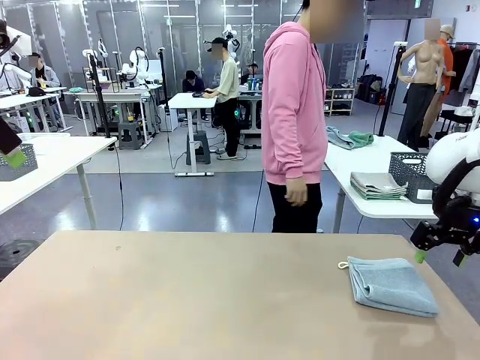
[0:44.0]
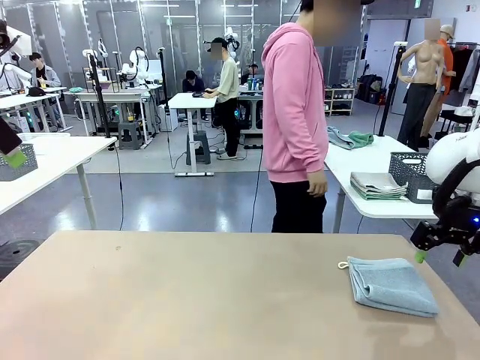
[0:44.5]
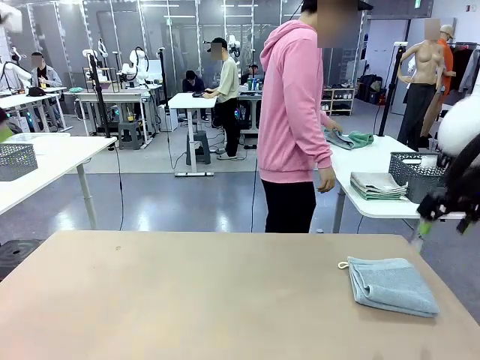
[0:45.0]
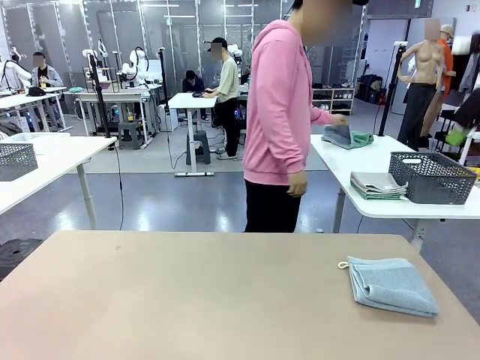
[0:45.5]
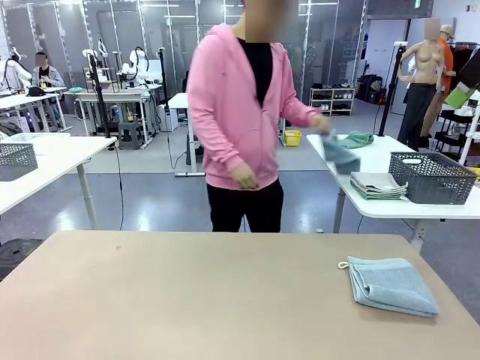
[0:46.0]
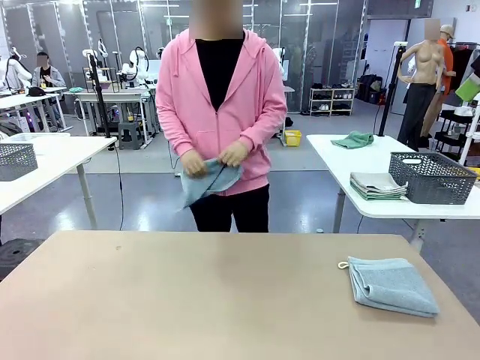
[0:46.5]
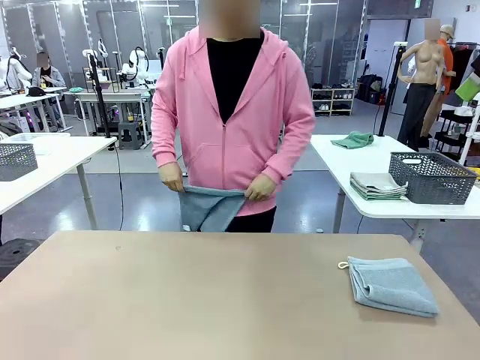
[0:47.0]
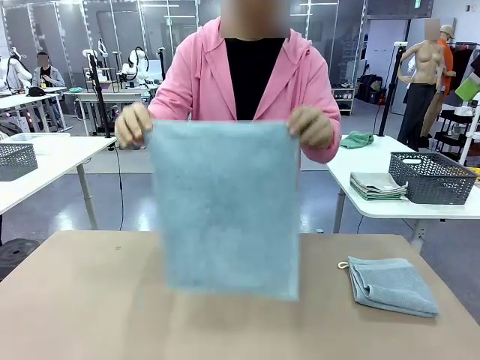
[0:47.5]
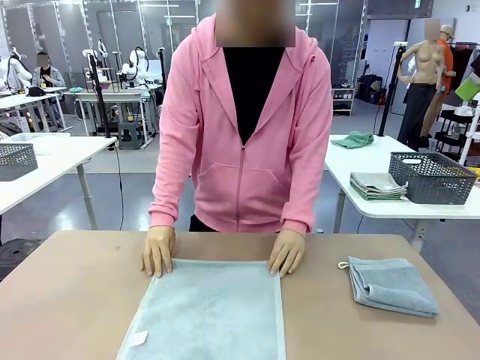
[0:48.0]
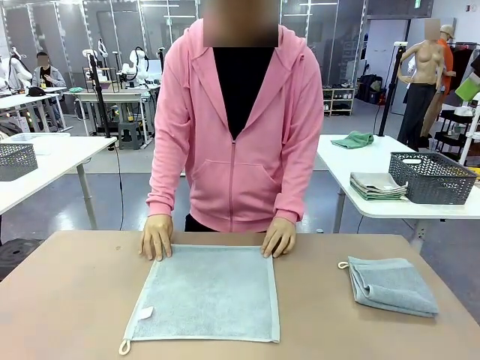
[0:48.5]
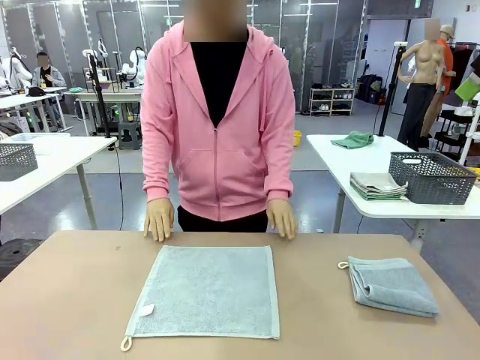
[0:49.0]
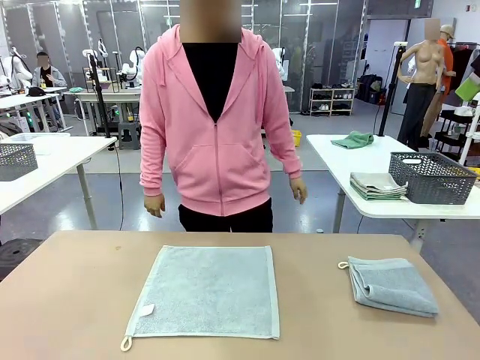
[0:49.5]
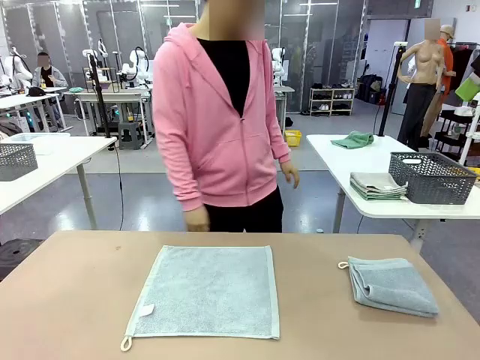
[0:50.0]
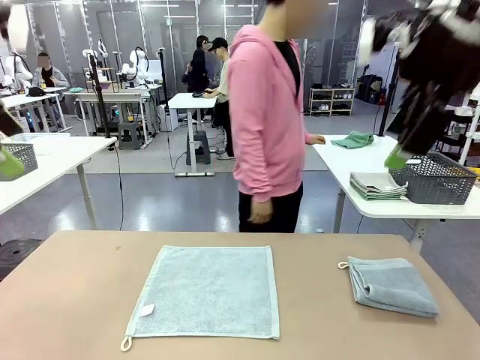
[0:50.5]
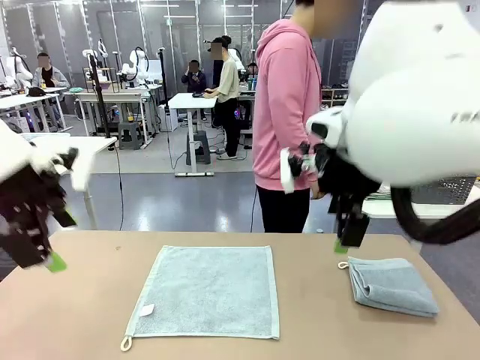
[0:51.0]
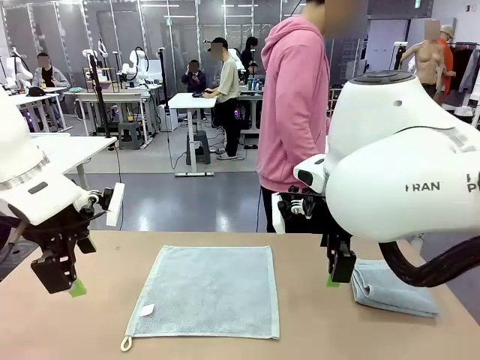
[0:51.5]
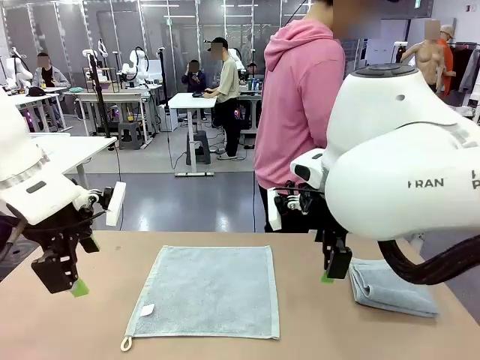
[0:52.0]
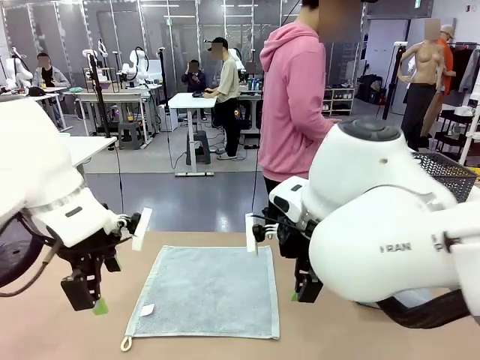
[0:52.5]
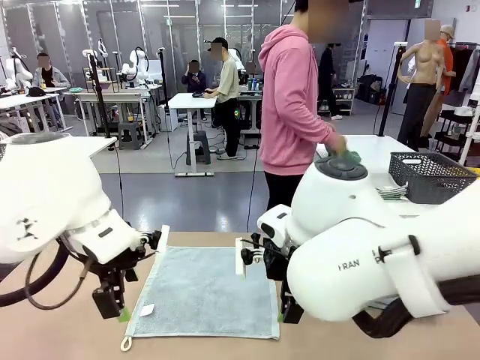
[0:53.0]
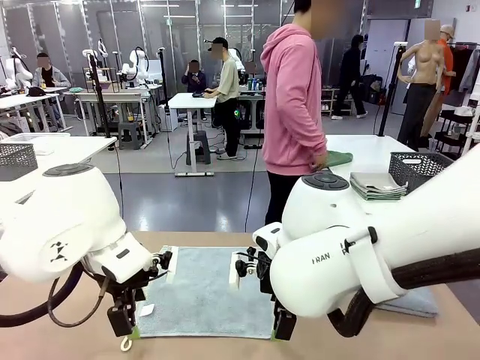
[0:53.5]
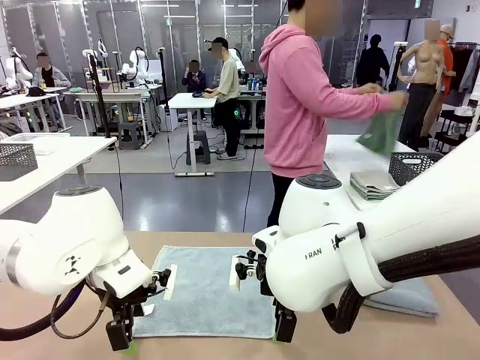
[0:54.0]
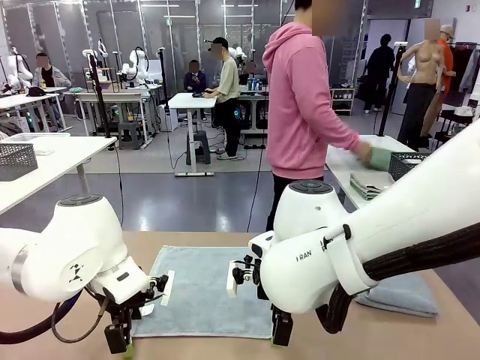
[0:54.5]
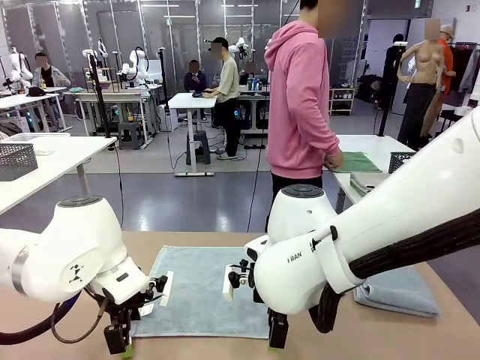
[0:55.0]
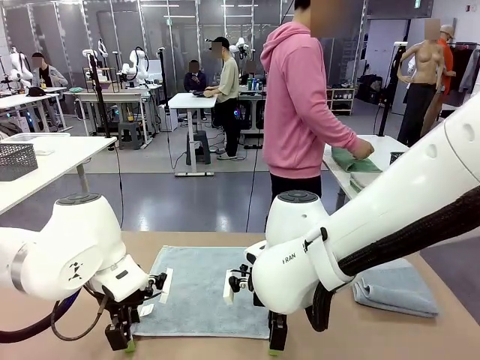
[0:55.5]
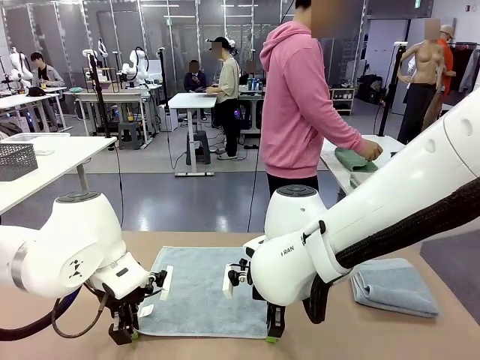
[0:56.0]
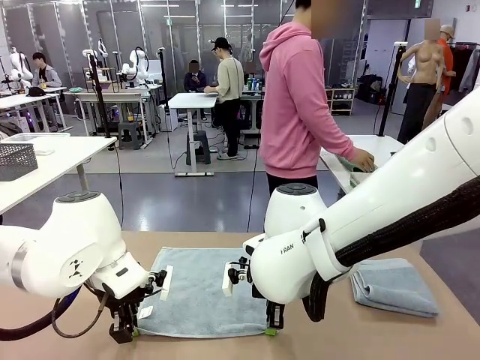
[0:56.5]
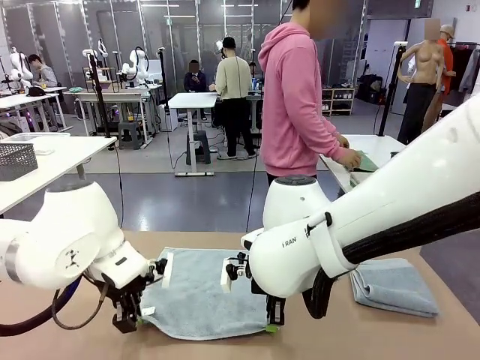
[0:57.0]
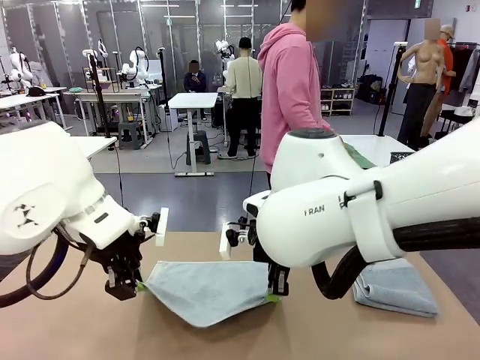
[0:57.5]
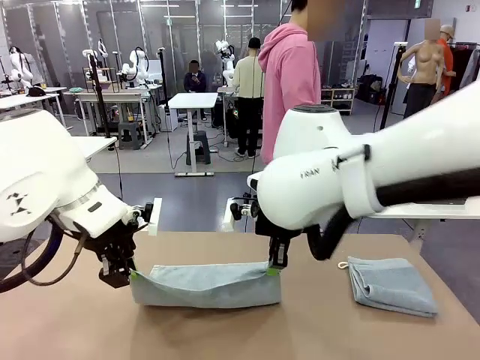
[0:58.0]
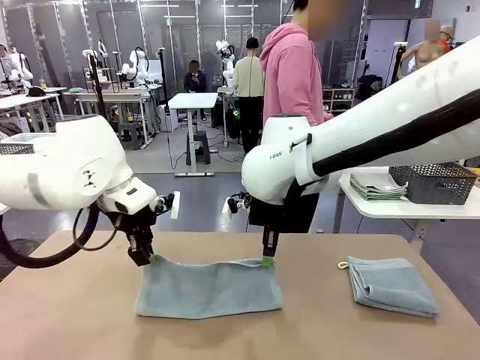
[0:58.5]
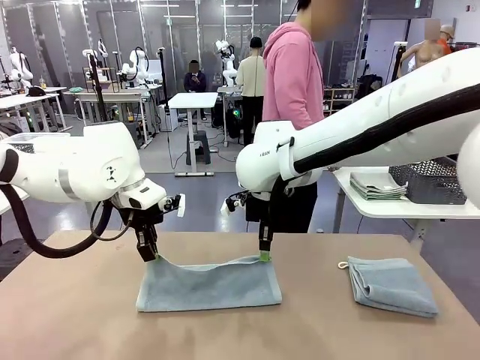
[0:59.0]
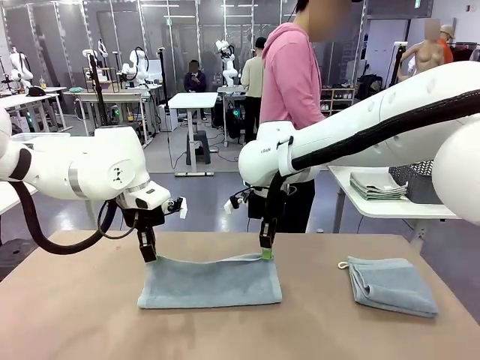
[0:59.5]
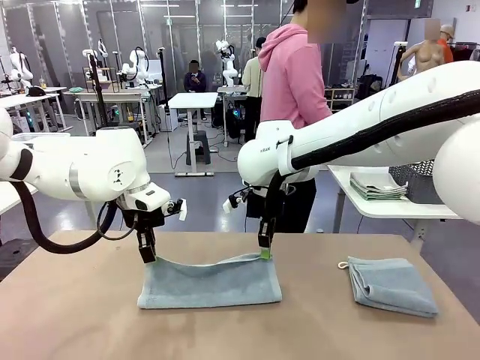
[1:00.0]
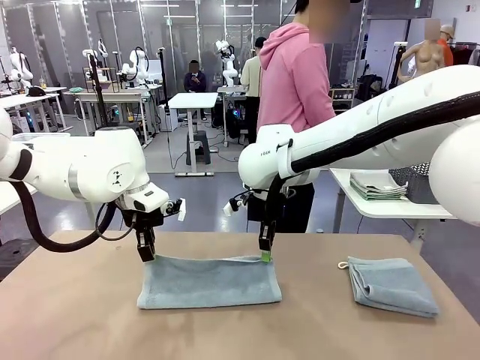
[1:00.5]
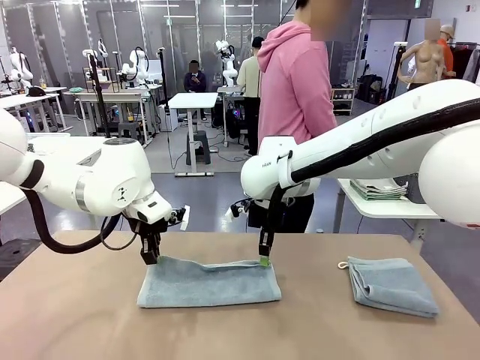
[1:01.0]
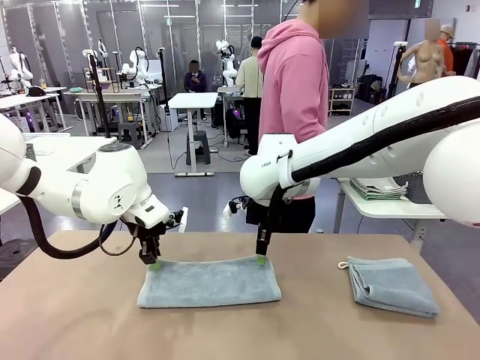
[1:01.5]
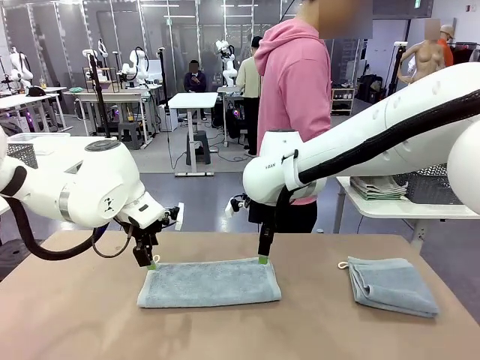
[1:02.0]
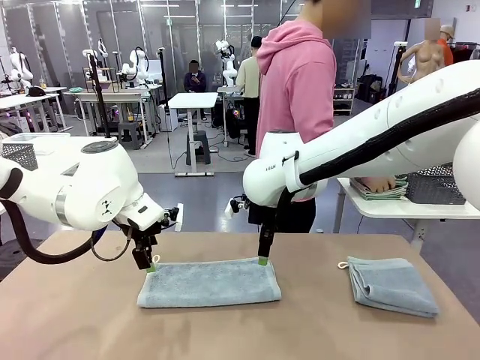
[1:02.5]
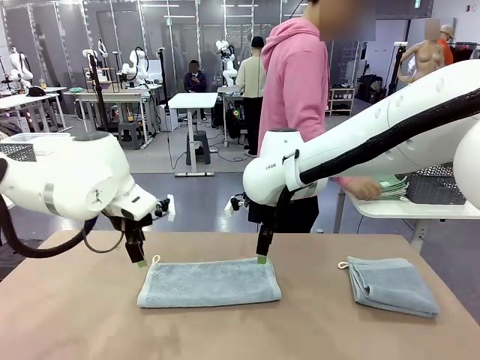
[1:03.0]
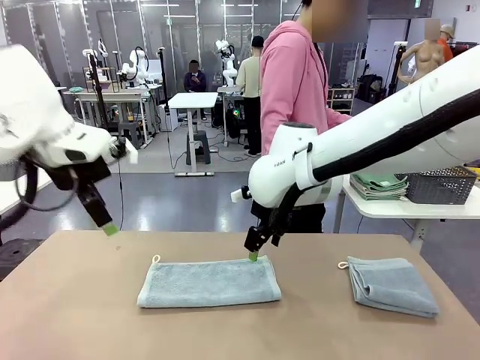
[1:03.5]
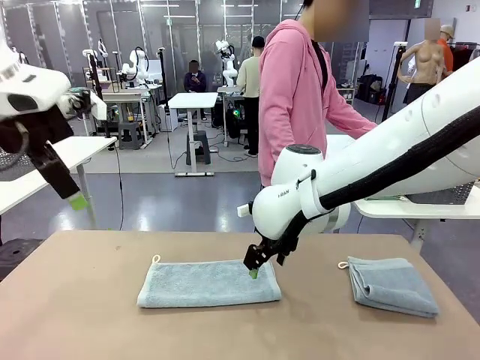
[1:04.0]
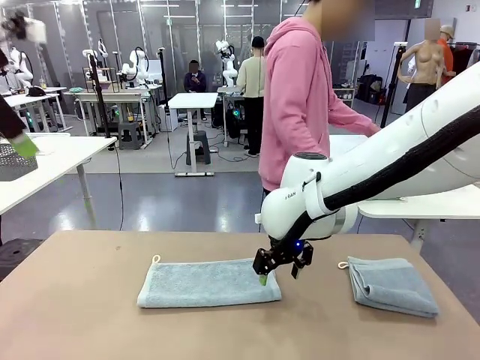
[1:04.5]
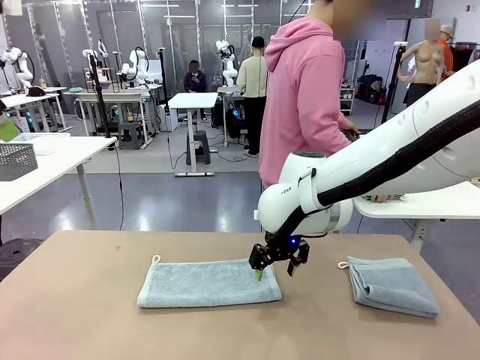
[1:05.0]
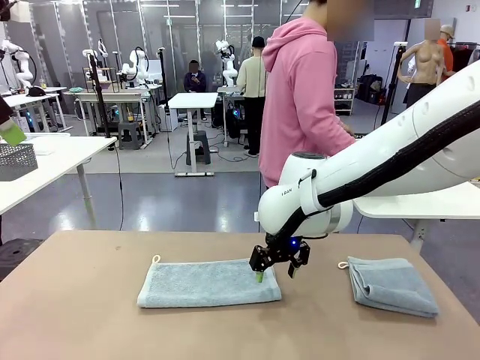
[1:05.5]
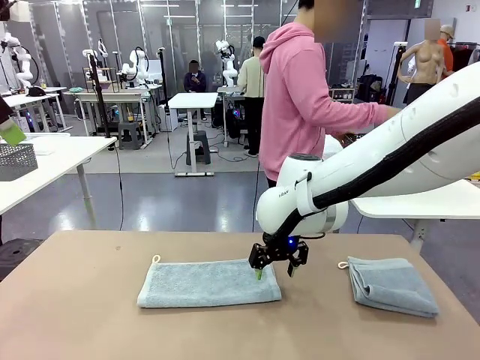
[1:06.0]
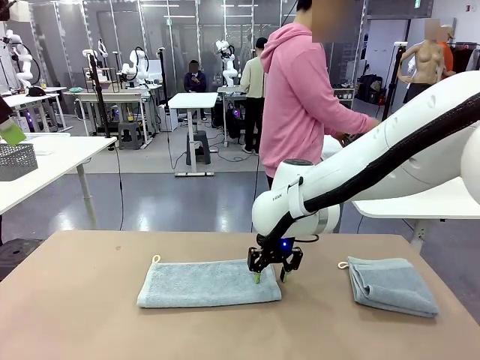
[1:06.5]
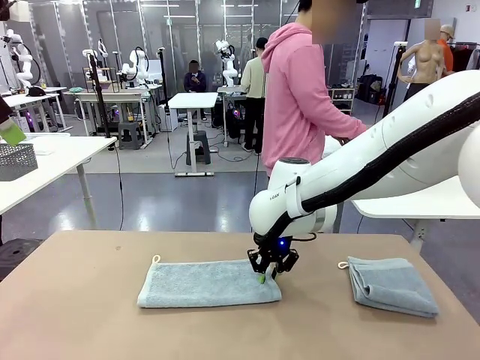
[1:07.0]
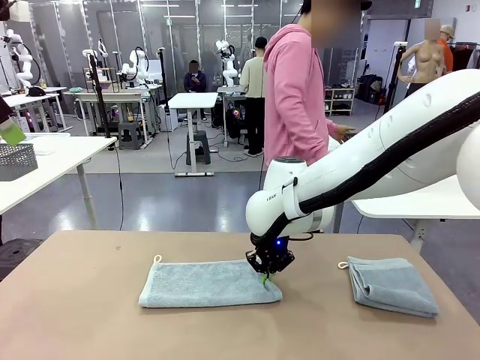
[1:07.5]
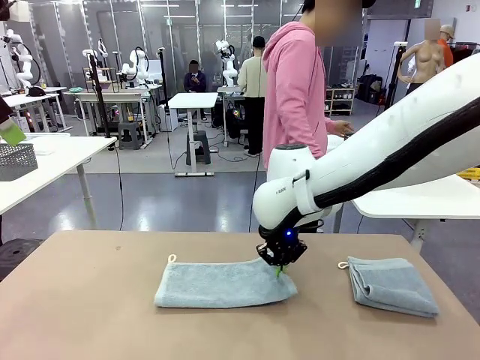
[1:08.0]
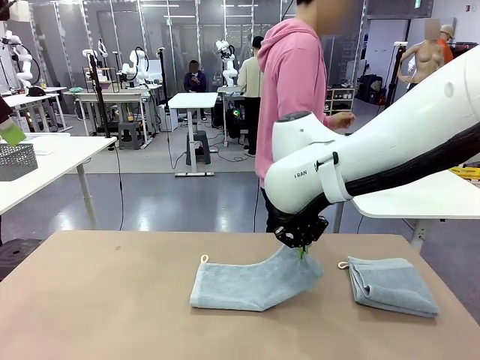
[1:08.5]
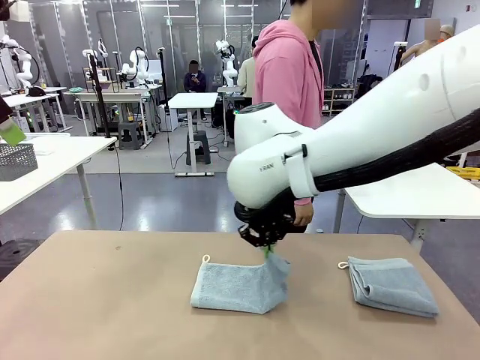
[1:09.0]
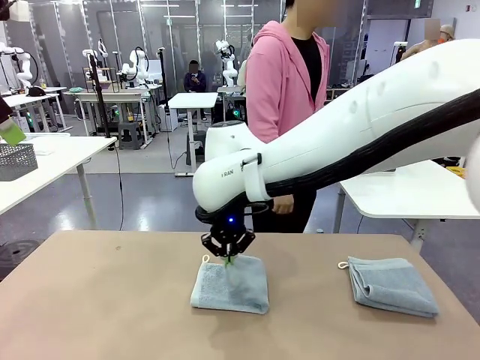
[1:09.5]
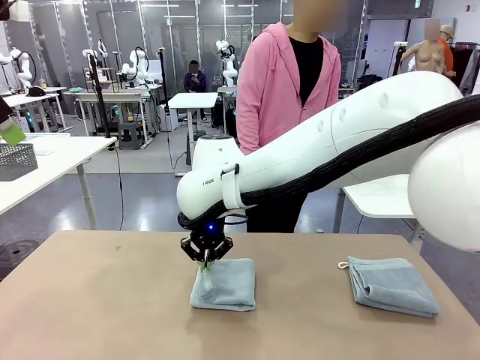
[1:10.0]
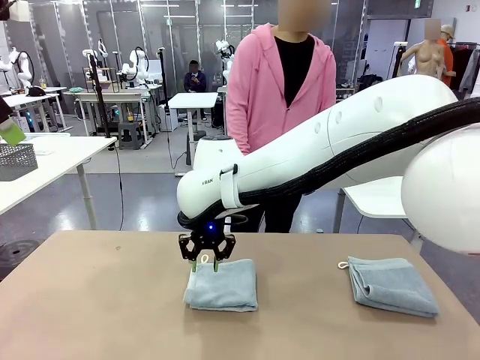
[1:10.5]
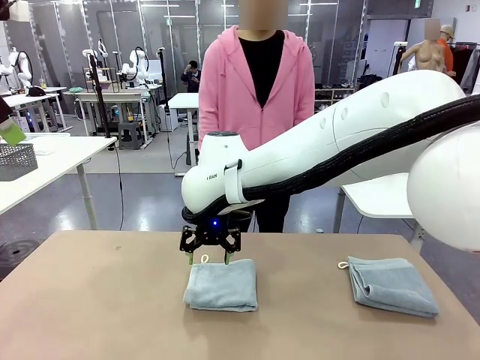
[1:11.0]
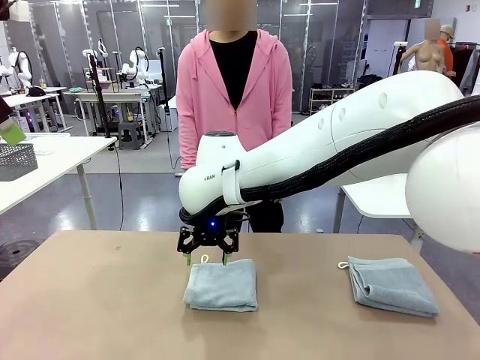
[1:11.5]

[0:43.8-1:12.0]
Task: Fold the towels and place them in the basket.
Robot: When a person lays out a Towel with hook on the table, fold it in half twice.
Person: Pick up one towel from the left side of the human table and spread it out at the center of the robot table. Pick up one towel from the left side of the human table, fold it in half twice, and stack it on the right side of the table. Pick up the stack of towels from the right side of the human table, place it into the basket, and put the basket at the center of the table.
